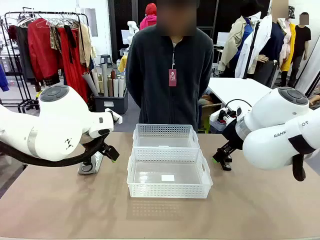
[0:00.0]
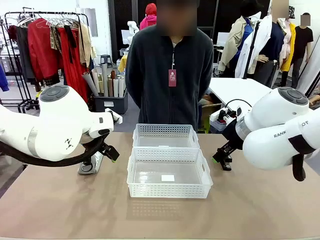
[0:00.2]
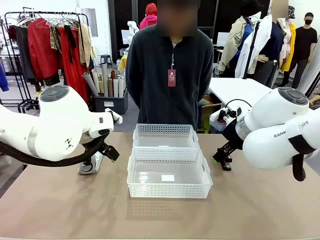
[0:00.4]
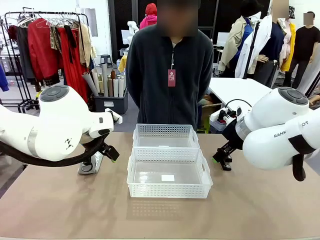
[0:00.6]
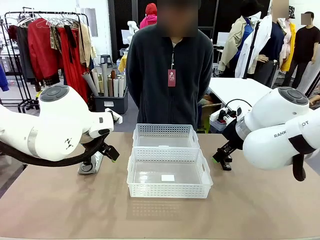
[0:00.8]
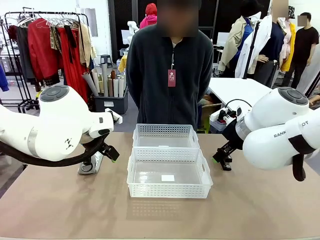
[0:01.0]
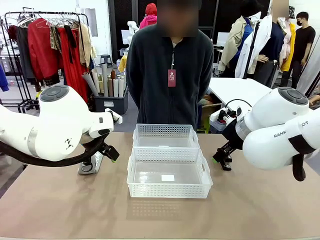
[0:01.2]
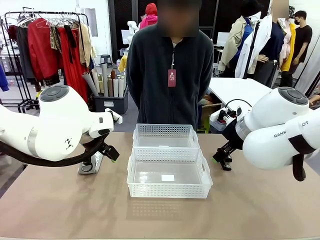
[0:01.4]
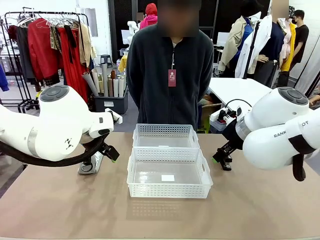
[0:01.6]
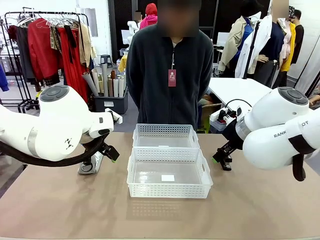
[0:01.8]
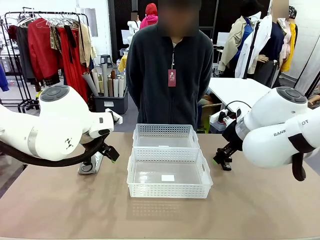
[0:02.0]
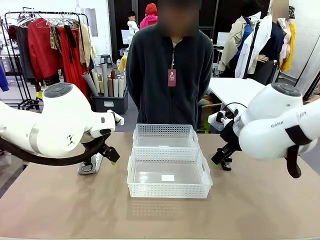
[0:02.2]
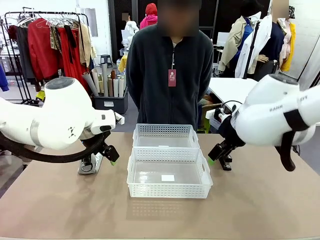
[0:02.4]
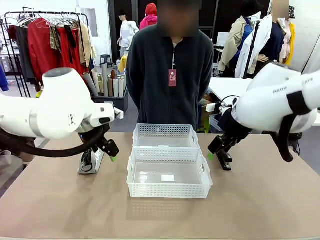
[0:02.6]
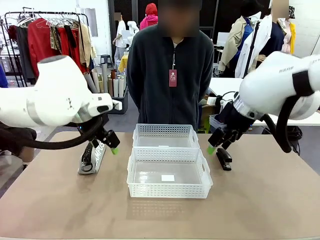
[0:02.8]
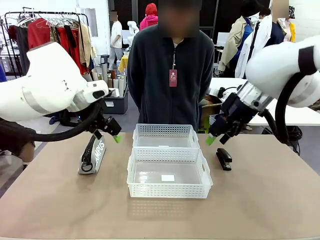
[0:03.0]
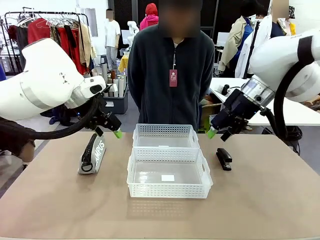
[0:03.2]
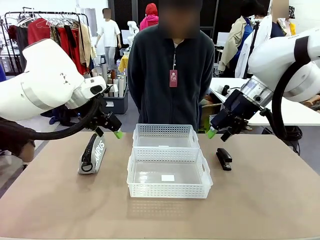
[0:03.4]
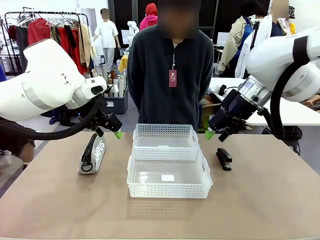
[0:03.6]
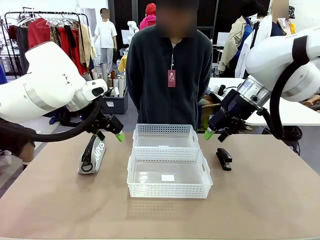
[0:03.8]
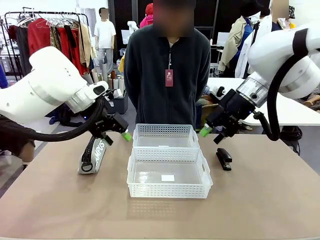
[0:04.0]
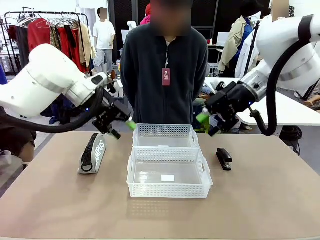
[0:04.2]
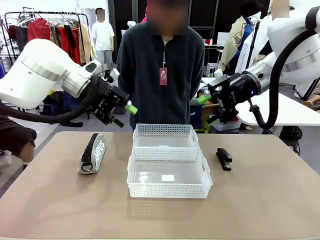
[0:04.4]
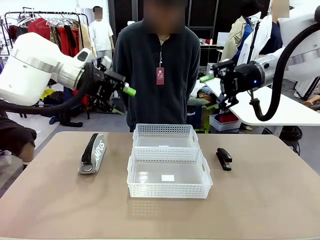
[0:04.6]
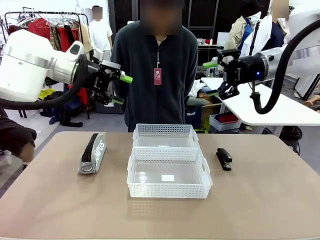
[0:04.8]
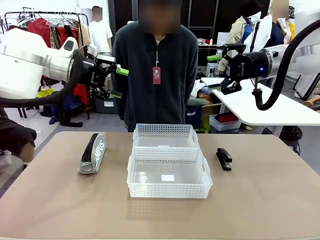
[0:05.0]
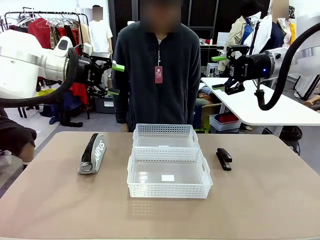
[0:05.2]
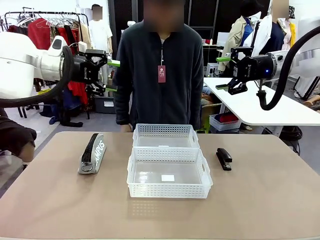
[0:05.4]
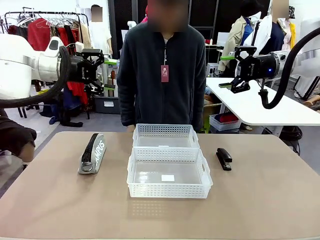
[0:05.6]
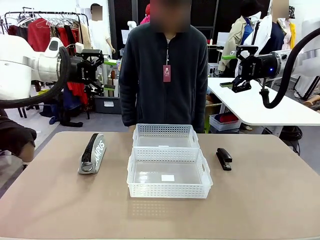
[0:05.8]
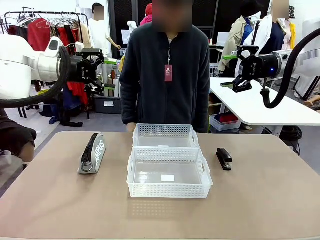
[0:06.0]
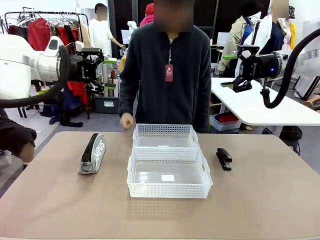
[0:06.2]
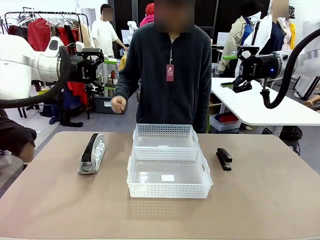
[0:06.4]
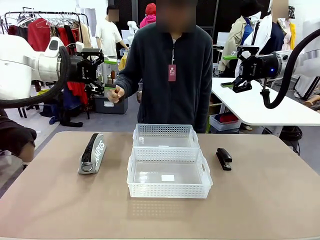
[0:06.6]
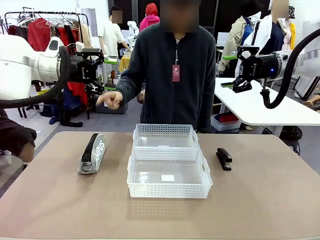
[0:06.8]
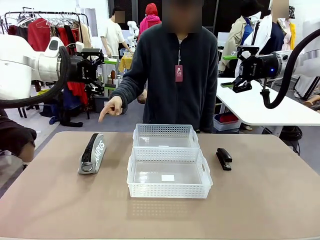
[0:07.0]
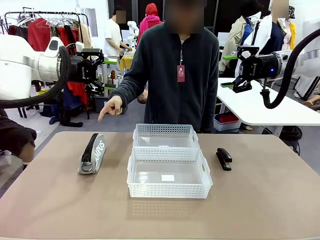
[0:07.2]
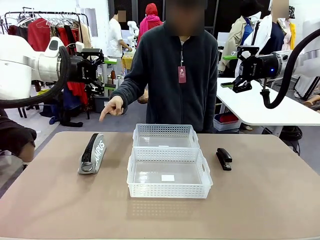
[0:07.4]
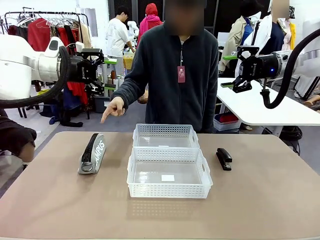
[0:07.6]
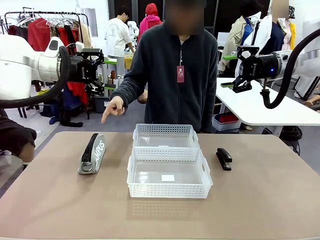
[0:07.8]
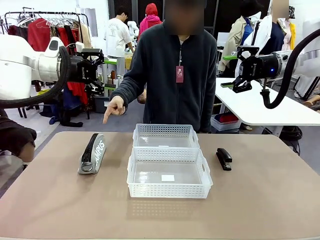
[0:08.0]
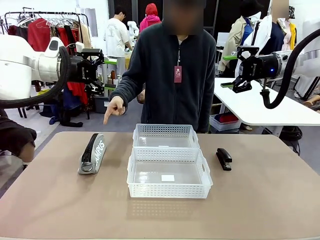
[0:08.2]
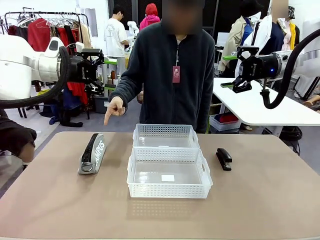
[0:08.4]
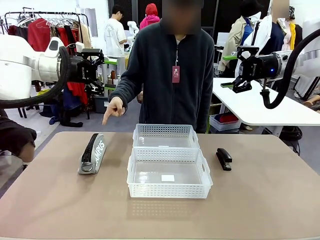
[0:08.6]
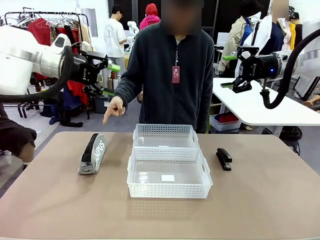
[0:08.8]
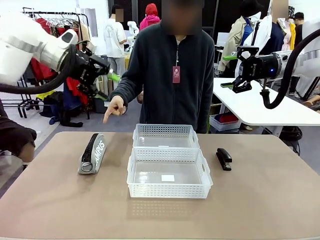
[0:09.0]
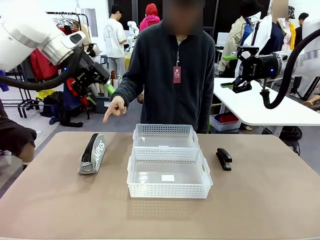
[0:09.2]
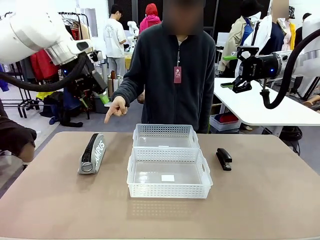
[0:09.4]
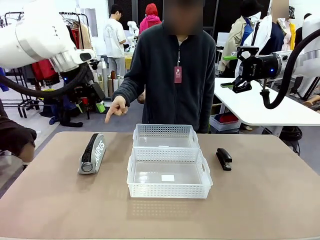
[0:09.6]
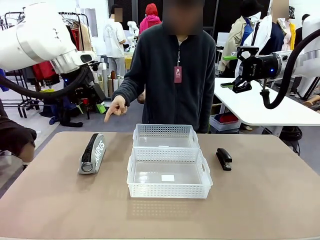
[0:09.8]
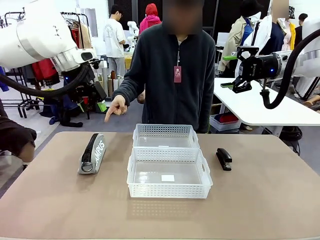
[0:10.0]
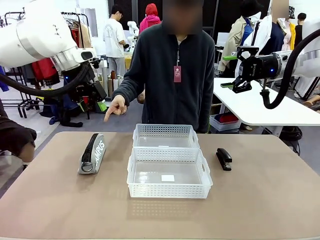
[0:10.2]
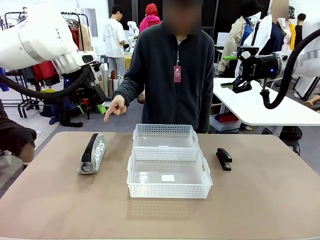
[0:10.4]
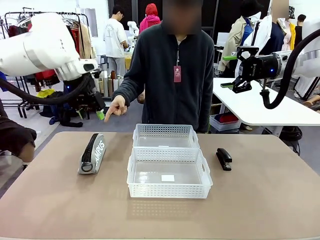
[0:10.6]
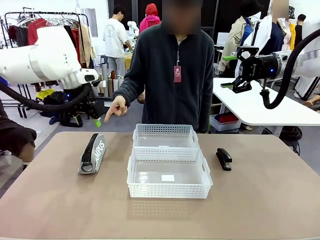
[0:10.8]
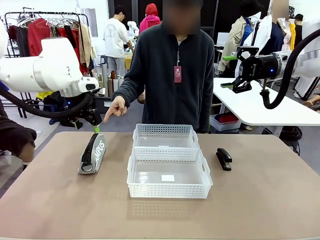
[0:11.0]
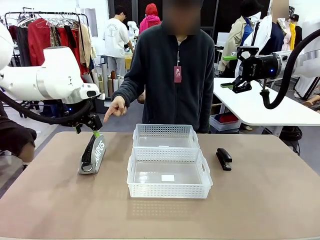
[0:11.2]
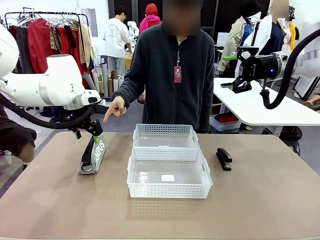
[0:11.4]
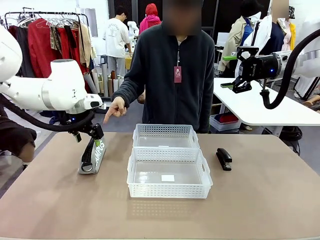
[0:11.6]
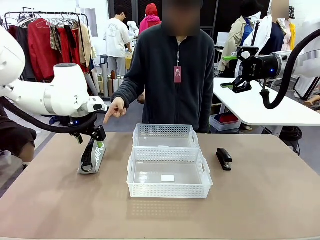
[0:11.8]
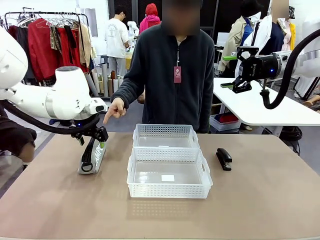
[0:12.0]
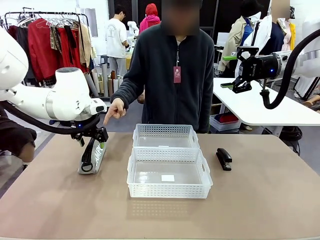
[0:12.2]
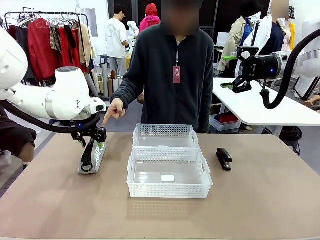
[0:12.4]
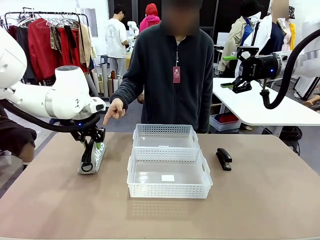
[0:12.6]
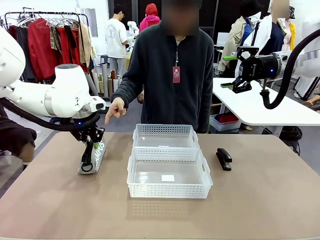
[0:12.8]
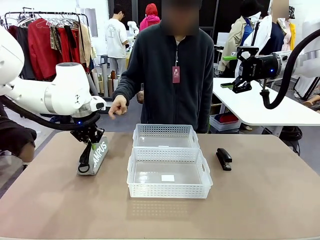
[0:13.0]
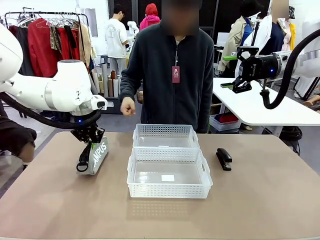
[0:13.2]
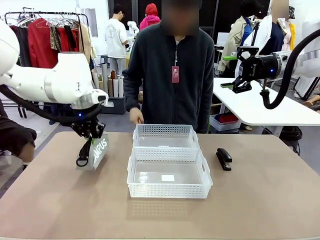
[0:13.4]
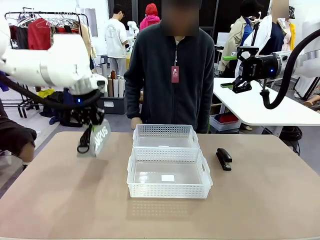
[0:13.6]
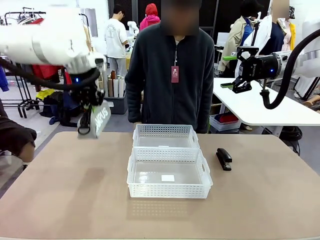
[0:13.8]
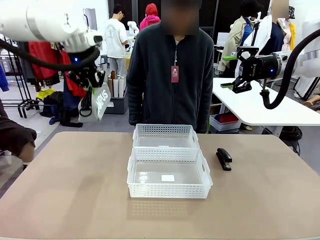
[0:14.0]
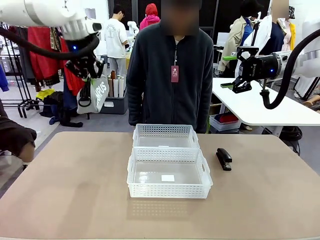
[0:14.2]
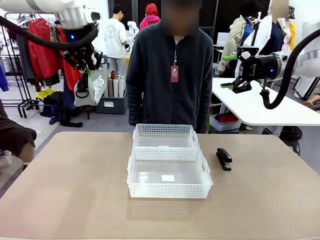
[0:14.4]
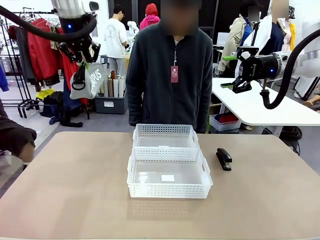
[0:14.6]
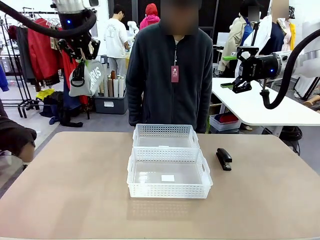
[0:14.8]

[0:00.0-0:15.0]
Task: Distribute items into two baskets.
Robot: Pick up the Pencil pouch that the person points to.
Person: Points to the pencil case. Points between the two organizing baskets and instructs the robot to move the pencil case.

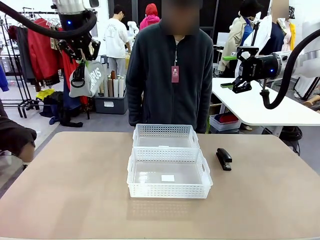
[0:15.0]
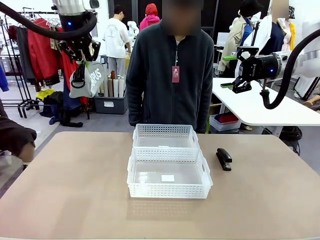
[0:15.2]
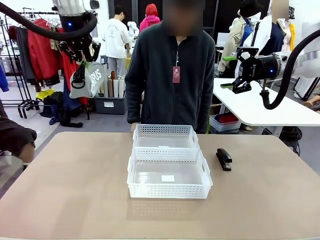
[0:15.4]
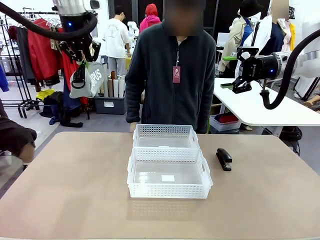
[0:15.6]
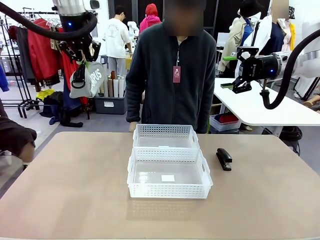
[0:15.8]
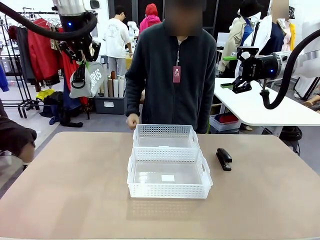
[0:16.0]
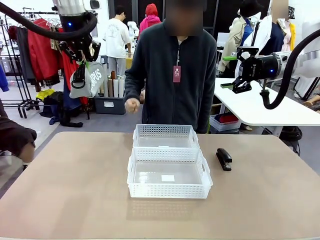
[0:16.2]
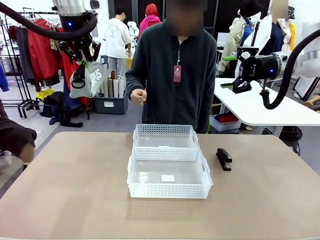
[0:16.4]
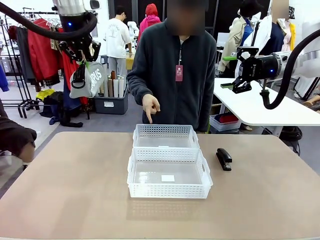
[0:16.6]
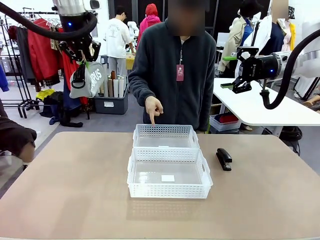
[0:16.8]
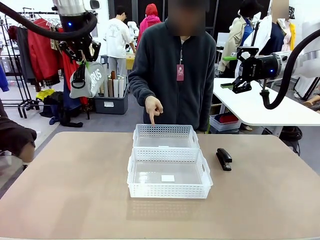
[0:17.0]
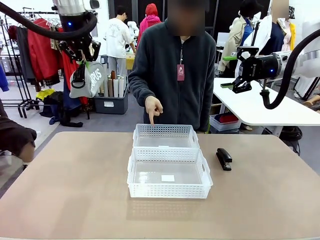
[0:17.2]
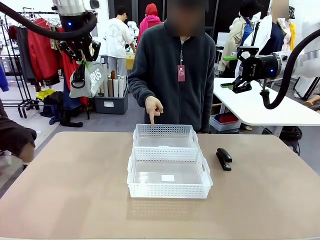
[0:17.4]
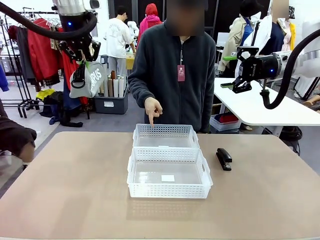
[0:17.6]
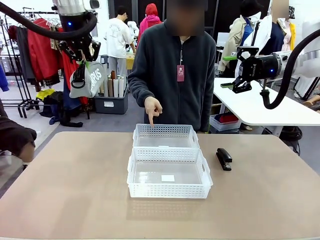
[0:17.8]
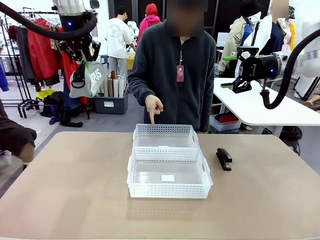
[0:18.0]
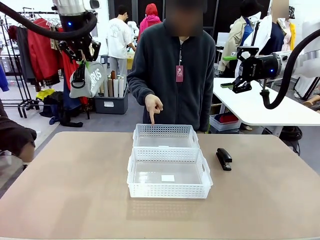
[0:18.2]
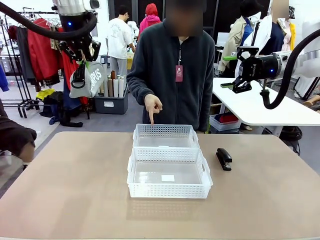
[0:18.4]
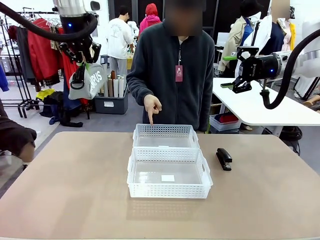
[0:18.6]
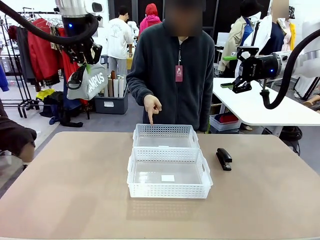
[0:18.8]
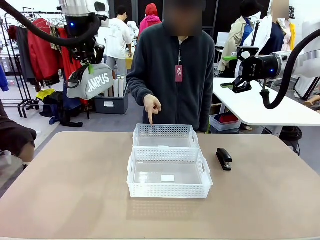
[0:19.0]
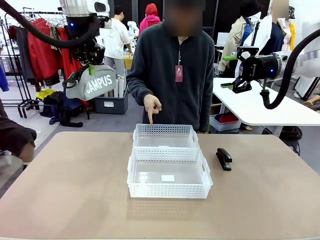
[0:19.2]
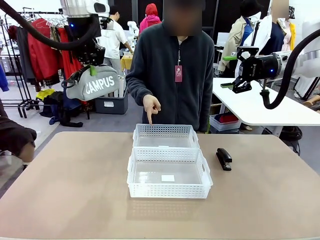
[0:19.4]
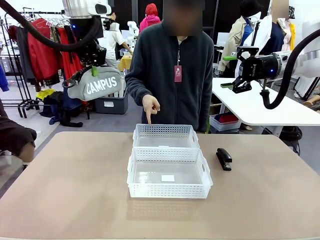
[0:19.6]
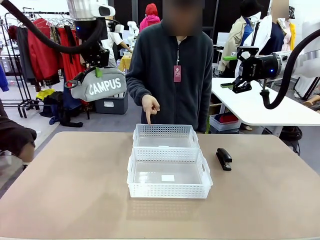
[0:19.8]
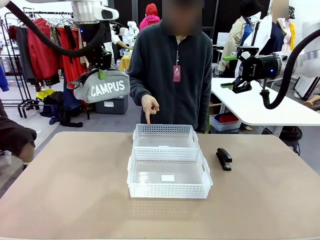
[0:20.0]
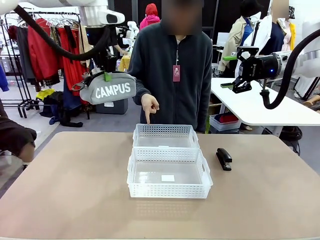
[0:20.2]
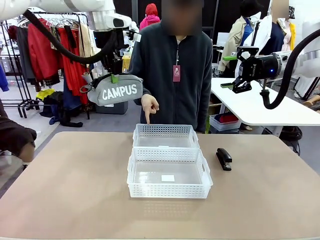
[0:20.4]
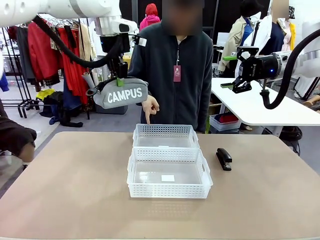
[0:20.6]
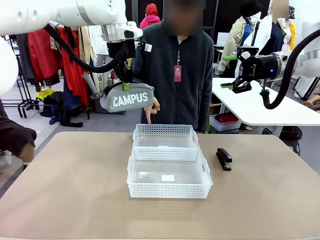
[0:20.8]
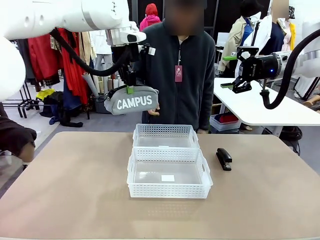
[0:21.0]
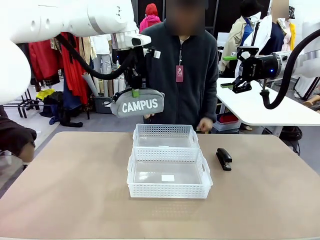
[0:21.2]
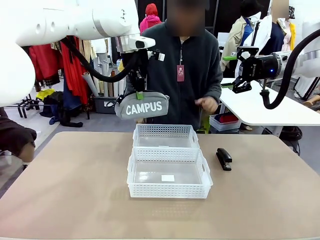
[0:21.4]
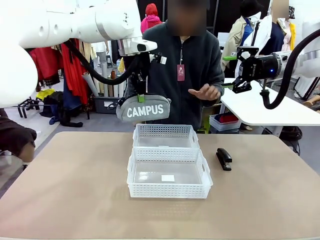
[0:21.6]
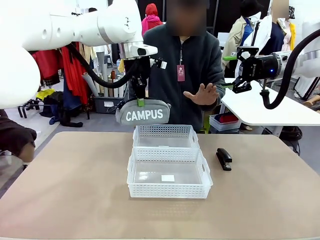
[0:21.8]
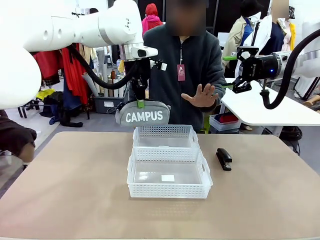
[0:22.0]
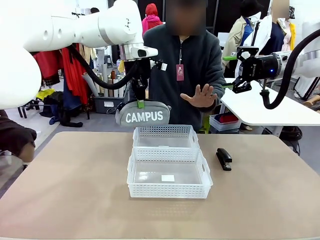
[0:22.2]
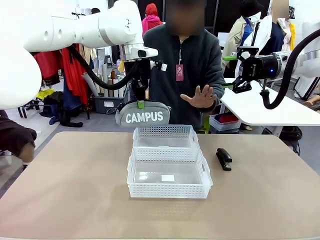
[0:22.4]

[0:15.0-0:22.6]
Robot: Move the picked Pencil pouch towards the Organizing basket indicated by the person, stopping as directed.
Person: Sends a stop gesture before the robot places the pencil case into the basket.
